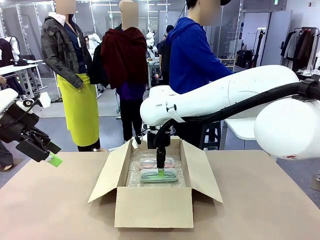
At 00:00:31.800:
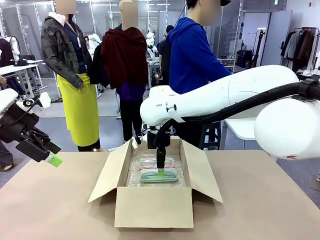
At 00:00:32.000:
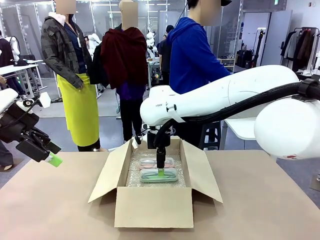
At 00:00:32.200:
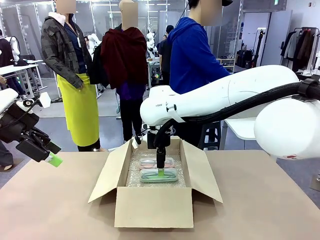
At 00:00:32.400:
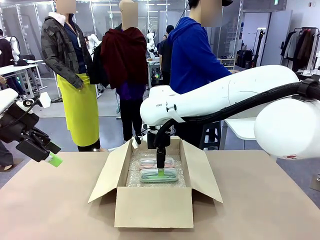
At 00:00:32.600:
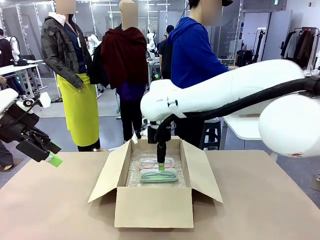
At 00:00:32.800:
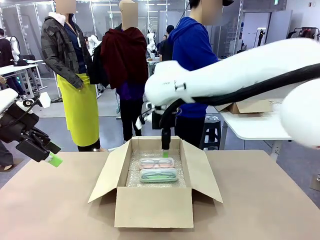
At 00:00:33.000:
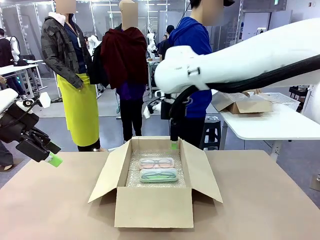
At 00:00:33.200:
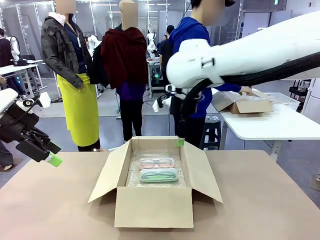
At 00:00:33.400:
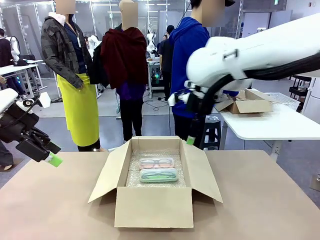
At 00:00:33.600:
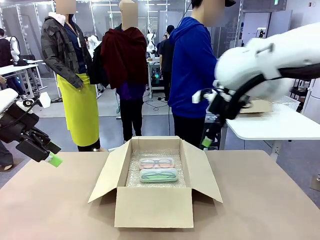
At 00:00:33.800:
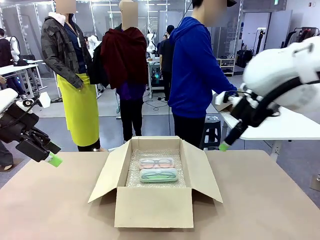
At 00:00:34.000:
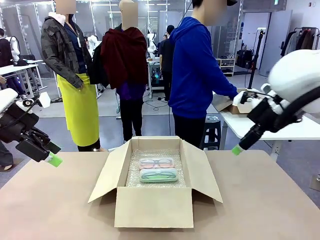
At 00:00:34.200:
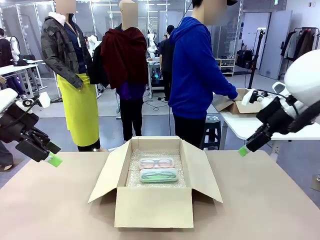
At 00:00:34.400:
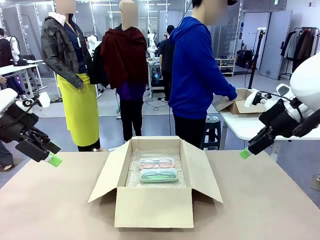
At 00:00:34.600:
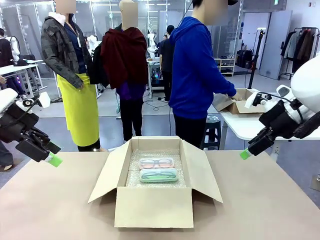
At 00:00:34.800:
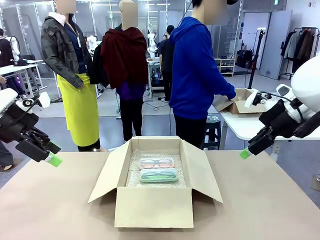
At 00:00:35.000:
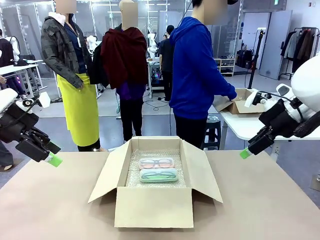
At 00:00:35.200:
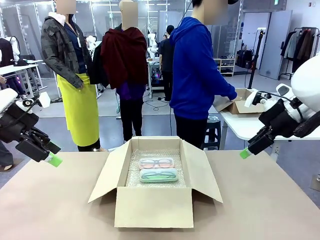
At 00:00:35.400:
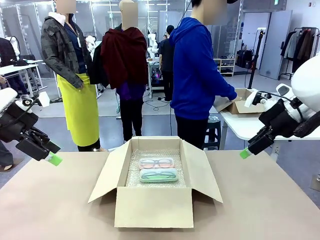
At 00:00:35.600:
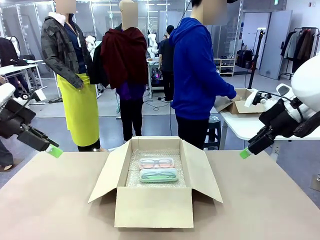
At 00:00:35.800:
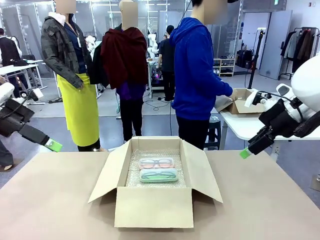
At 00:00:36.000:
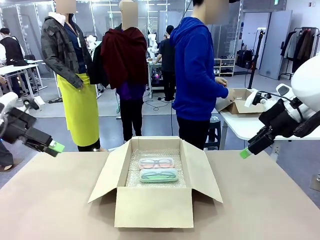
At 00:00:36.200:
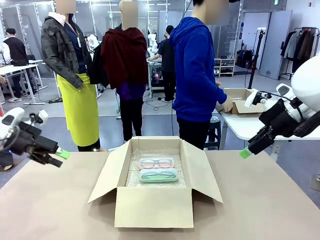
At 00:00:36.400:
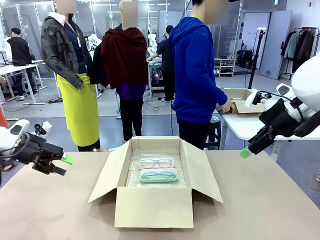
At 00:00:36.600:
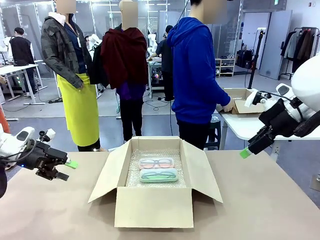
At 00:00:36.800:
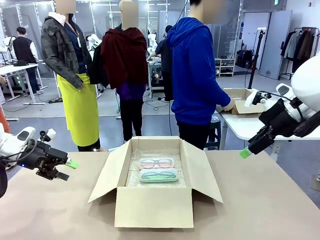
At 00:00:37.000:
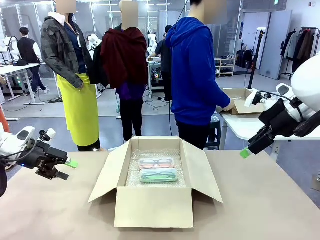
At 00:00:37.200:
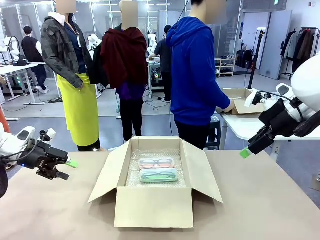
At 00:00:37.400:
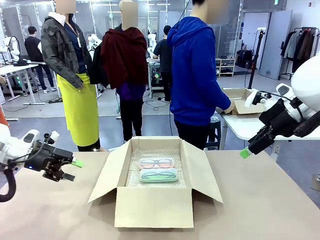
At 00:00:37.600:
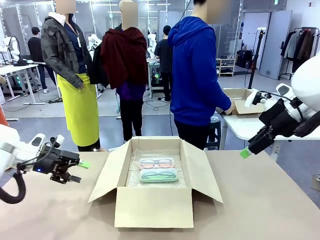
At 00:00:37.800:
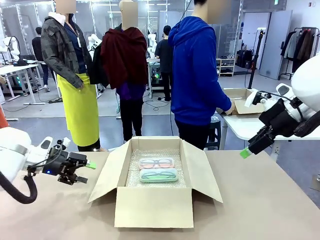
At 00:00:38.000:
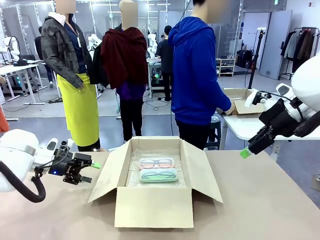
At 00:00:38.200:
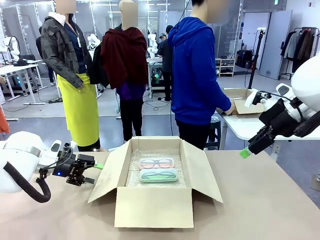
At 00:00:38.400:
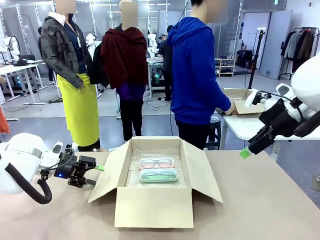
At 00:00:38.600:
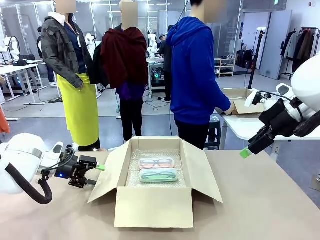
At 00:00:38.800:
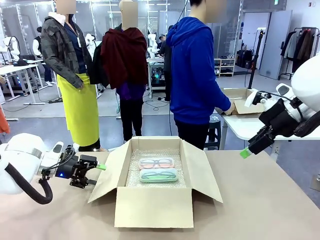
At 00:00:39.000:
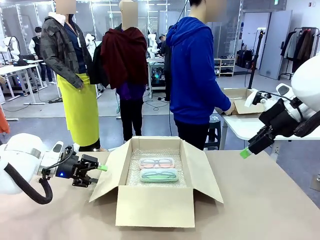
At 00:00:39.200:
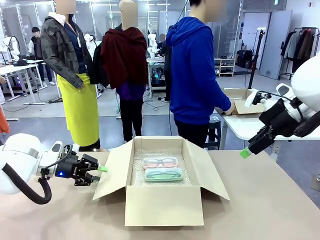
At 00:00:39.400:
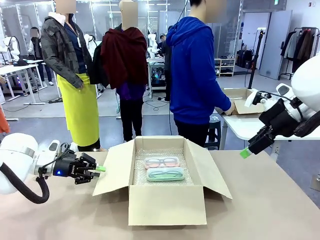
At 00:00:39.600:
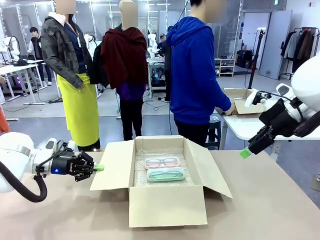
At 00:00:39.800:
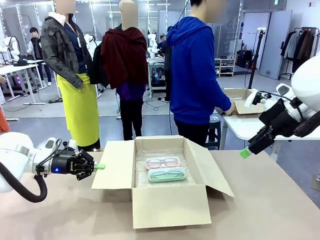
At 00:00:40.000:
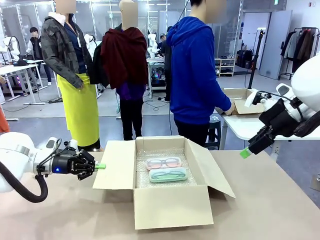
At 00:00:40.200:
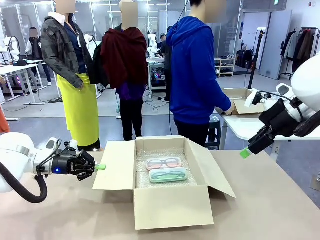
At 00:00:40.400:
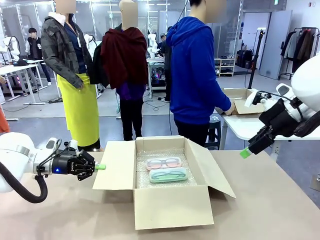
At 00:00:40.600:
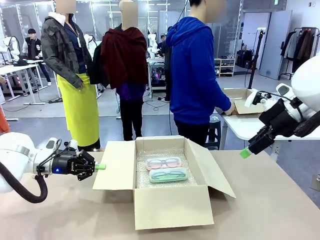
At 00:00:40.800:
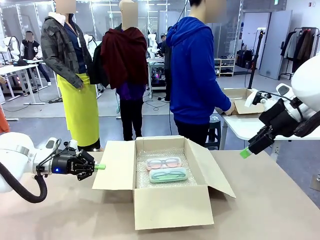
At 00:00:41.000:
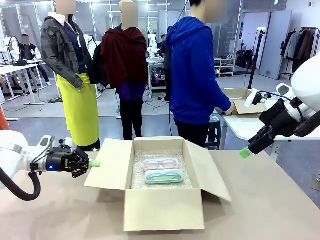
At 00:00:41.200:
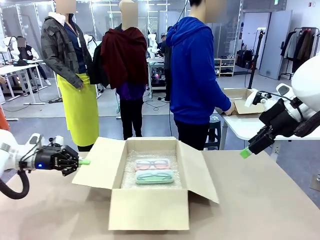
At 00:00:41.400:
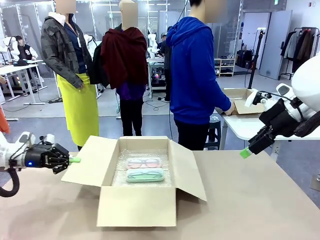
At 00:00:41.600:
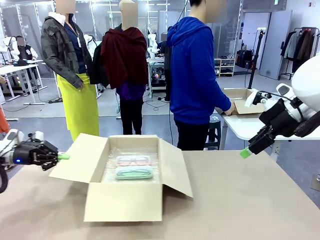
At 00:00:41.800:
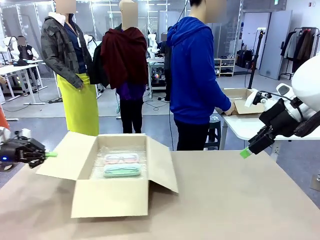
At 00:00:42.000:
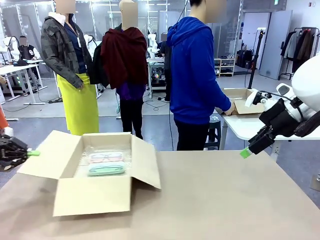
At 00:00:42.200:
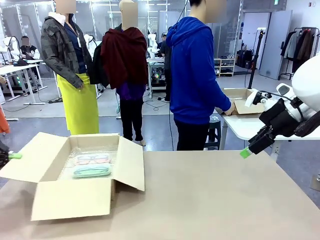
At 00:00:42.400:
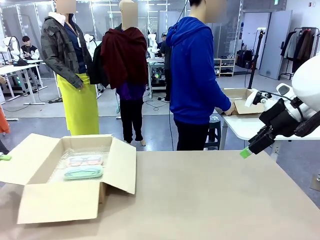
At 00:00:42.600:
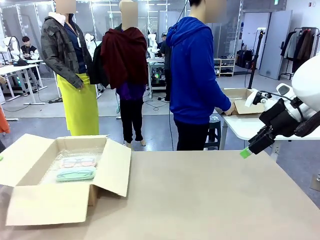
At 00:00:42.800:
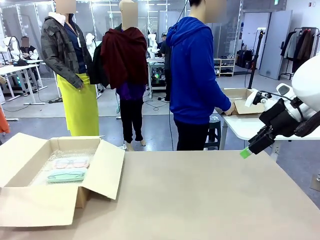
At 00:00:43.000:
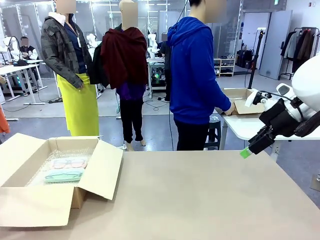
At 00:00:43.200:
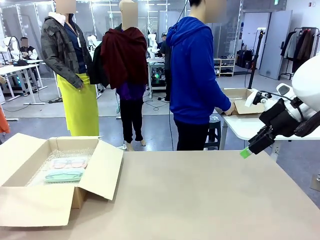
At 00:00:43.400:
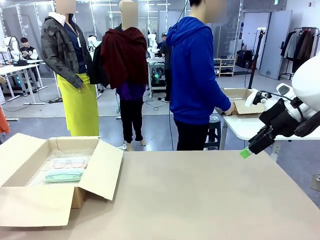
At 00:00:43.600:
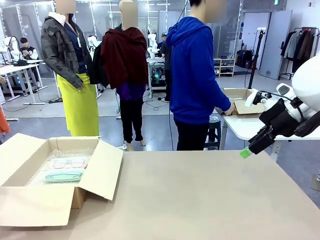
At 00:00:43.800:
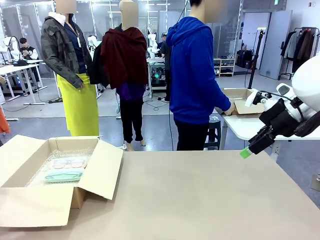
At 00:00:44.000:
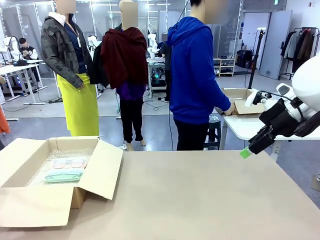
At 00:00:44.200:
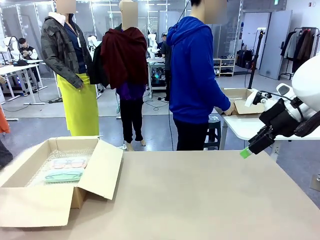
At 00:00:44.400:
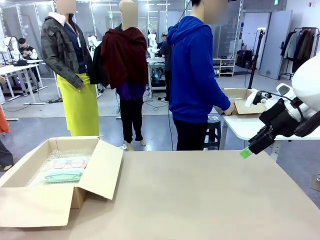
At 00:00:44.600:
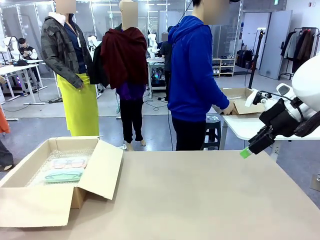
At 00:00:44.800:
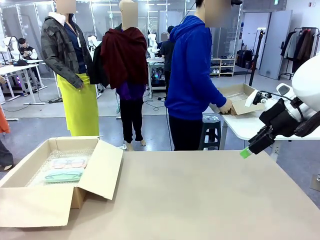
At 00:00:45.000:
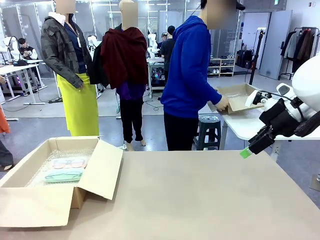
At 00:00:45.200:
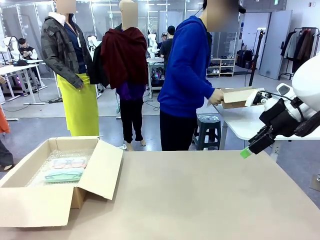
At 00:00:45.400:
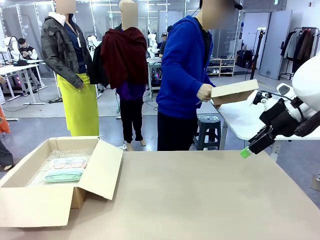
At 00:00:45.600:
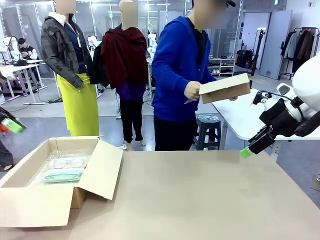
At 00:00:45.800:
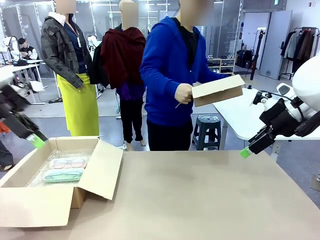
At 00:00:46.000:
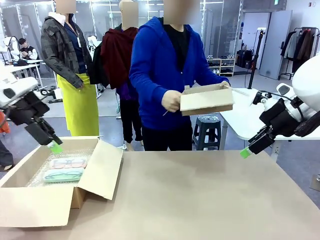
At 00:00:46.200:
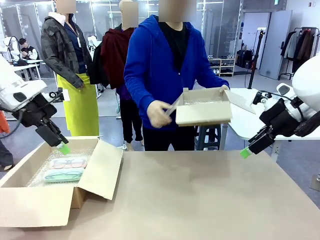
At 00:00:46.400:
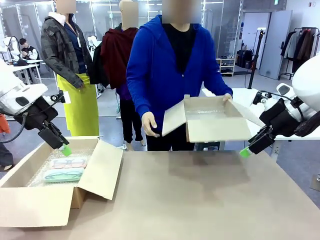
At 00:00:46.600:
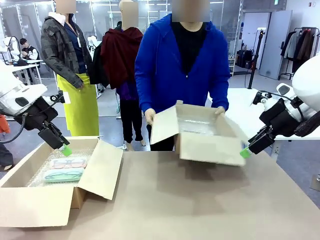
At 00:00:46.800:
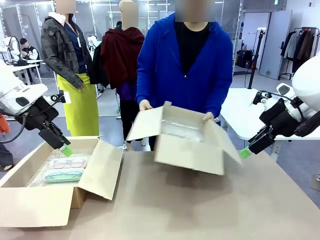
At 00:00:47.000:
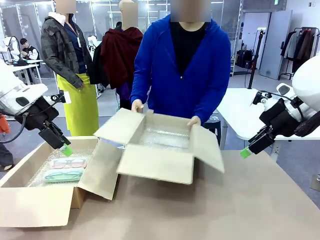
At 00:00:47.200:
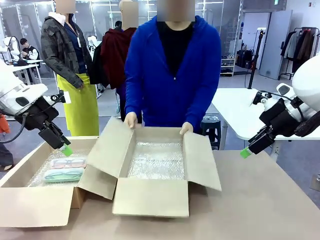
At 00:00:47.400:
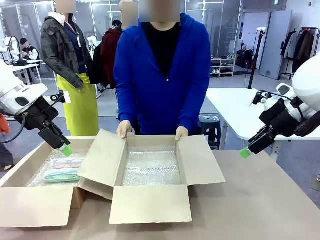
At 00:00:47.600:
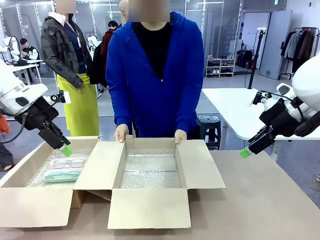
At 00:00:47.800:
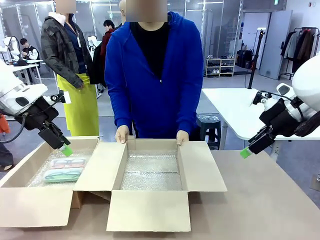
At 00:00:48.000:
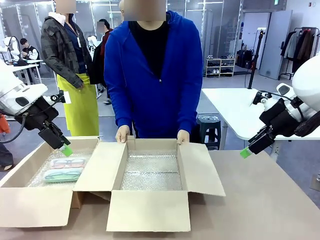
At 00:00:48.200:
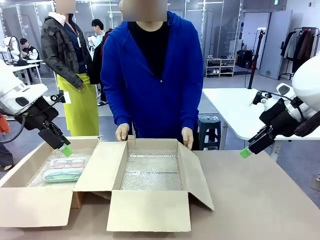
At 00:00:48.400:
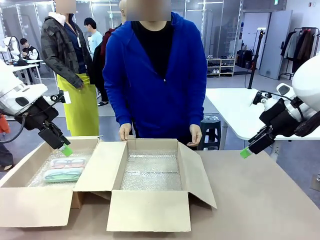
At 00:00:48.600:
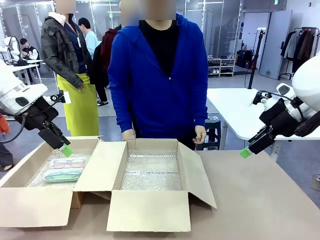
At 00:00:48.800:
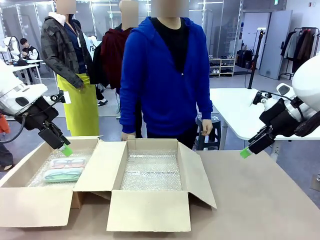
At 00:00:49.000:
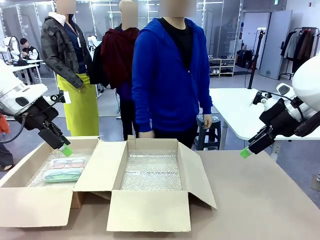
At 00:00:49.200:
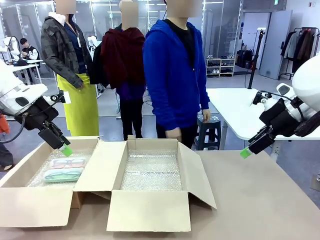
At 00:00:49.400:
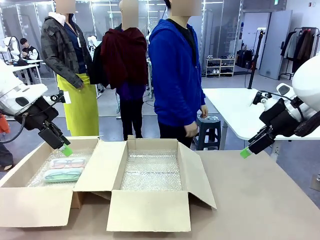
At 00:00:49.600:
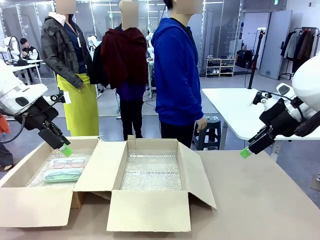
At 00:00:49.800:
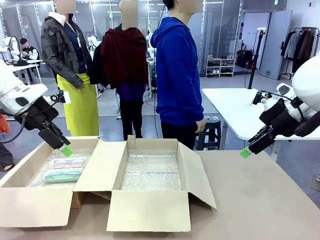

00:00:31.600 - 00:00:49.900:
Task: Pack the glasses set securely to prepare it for shipping.
Robot: Position the Package Box on the left side of the table.
Person: Position the empty Package Box in the middle of the robot's table.
